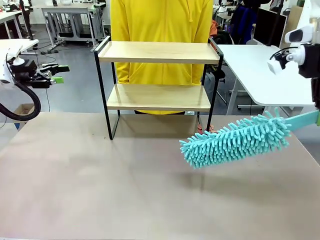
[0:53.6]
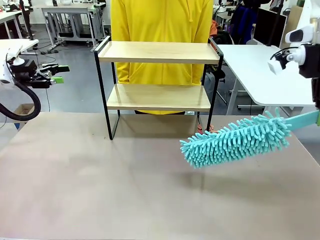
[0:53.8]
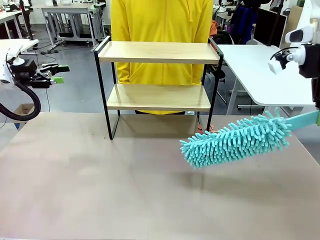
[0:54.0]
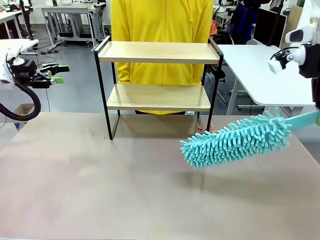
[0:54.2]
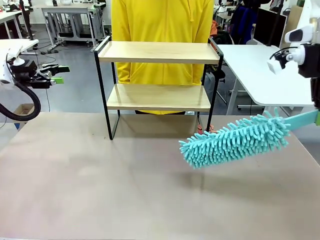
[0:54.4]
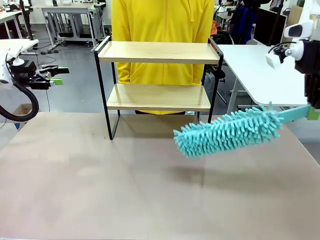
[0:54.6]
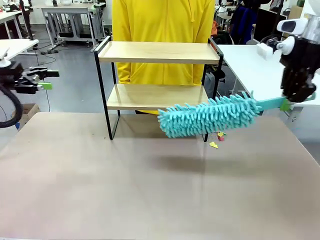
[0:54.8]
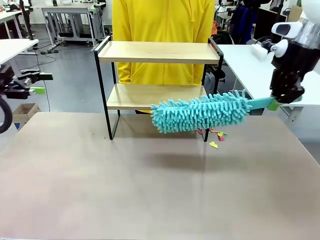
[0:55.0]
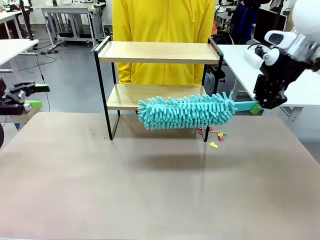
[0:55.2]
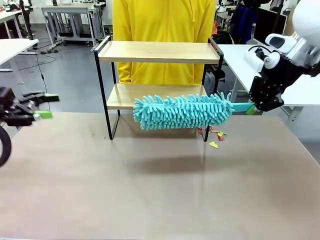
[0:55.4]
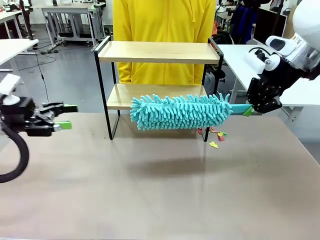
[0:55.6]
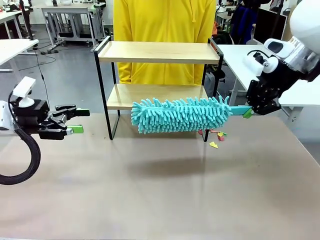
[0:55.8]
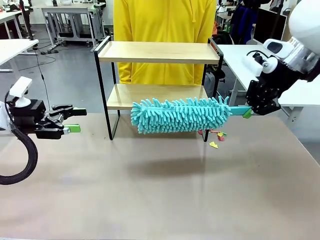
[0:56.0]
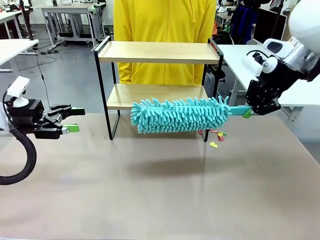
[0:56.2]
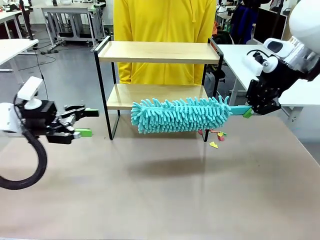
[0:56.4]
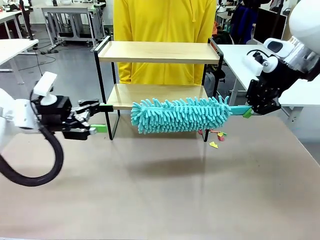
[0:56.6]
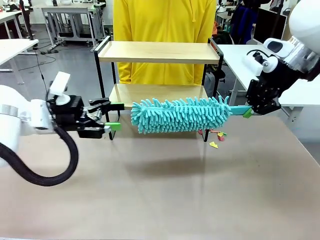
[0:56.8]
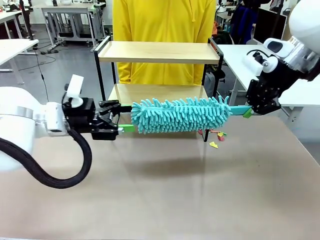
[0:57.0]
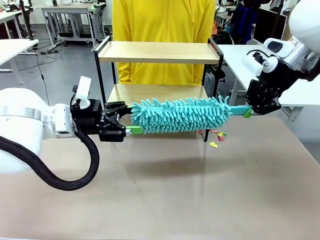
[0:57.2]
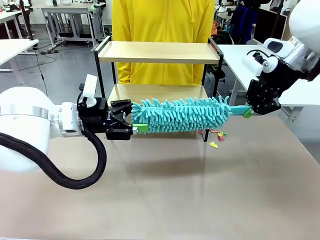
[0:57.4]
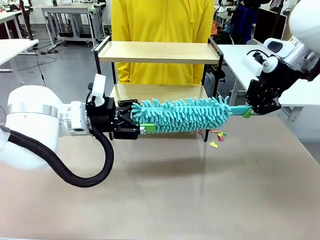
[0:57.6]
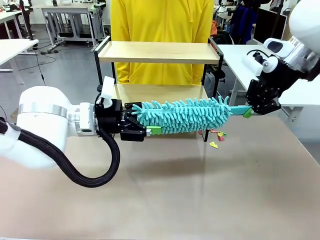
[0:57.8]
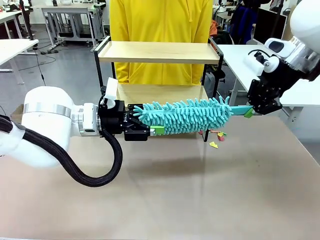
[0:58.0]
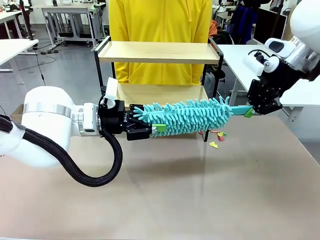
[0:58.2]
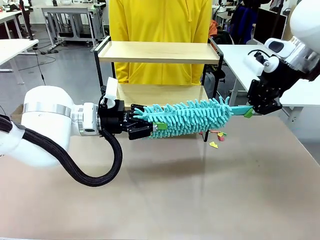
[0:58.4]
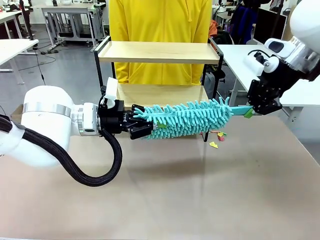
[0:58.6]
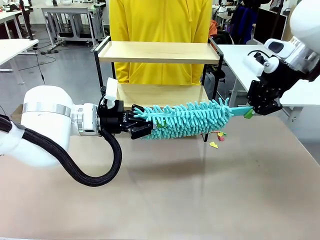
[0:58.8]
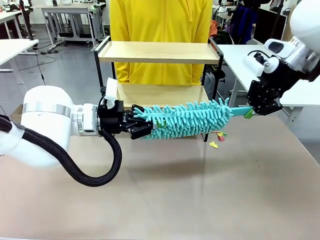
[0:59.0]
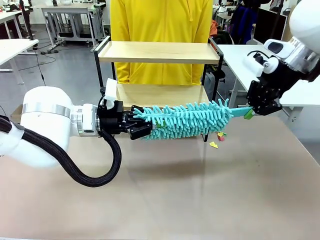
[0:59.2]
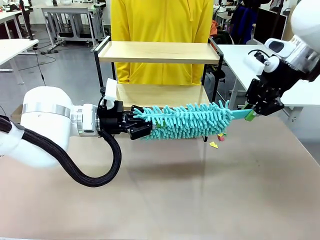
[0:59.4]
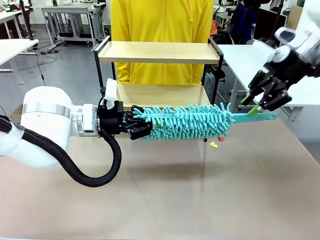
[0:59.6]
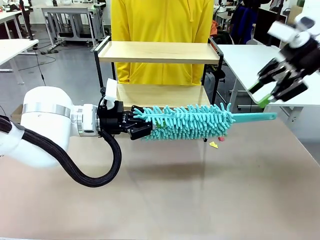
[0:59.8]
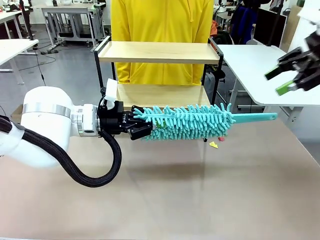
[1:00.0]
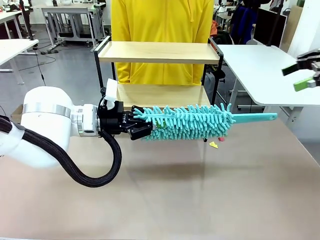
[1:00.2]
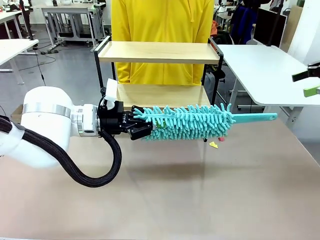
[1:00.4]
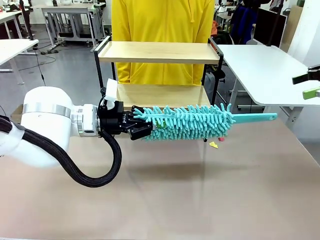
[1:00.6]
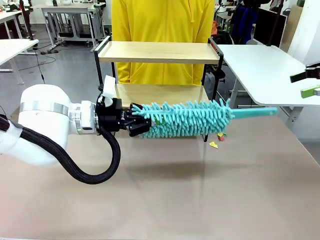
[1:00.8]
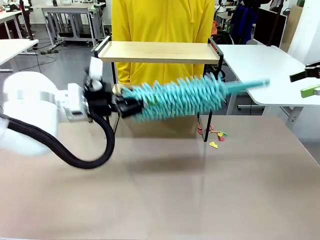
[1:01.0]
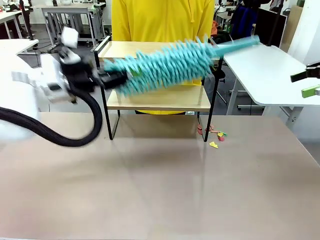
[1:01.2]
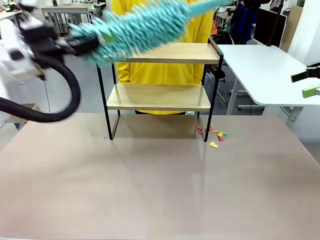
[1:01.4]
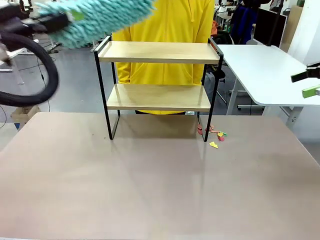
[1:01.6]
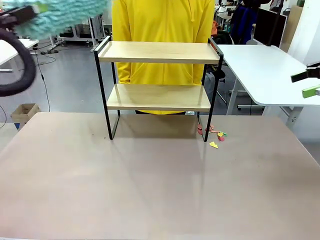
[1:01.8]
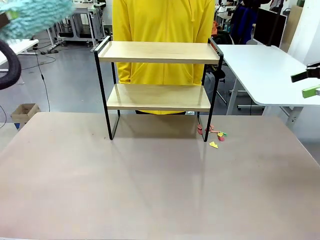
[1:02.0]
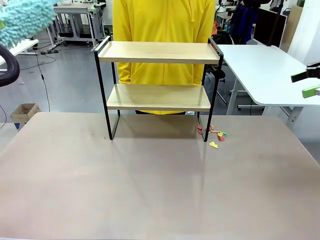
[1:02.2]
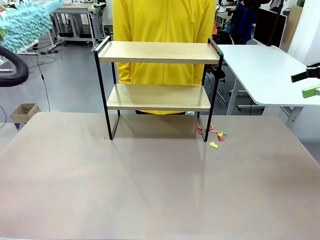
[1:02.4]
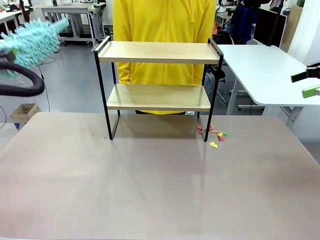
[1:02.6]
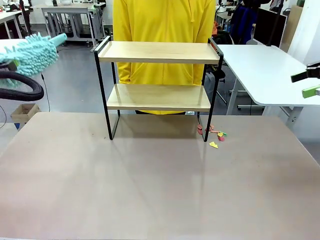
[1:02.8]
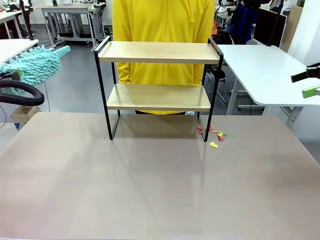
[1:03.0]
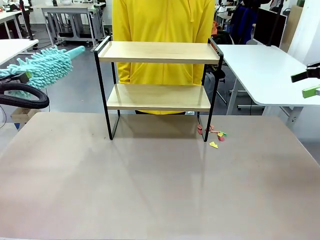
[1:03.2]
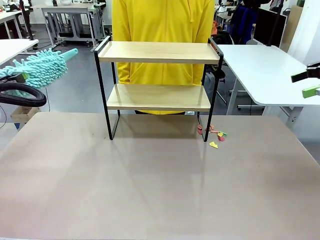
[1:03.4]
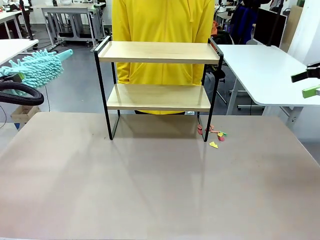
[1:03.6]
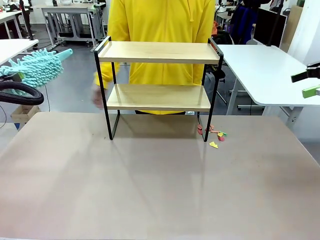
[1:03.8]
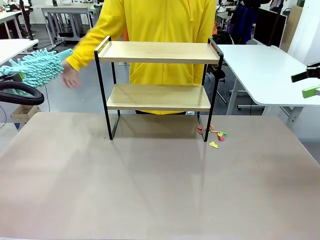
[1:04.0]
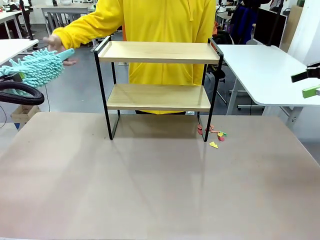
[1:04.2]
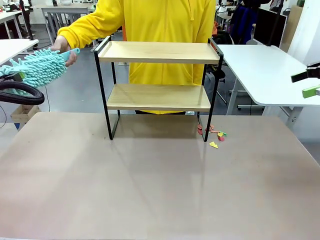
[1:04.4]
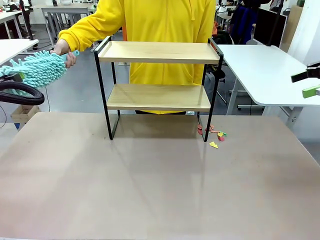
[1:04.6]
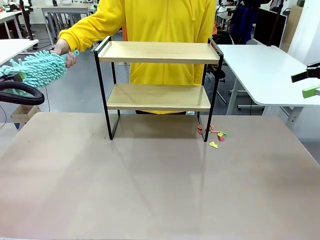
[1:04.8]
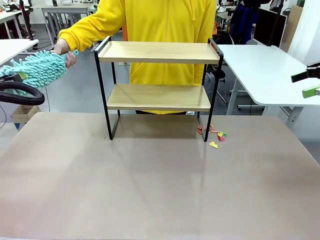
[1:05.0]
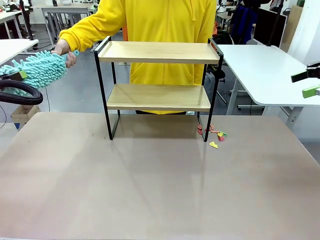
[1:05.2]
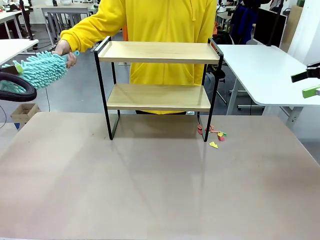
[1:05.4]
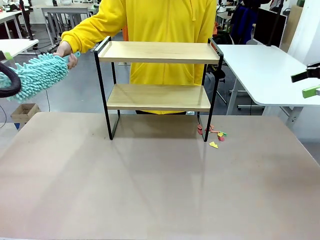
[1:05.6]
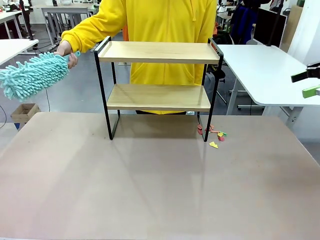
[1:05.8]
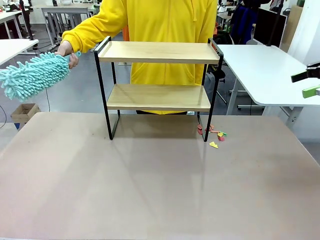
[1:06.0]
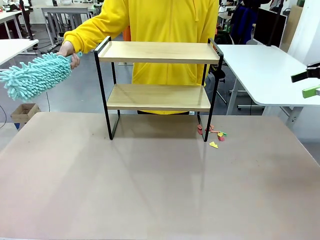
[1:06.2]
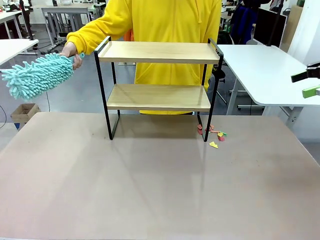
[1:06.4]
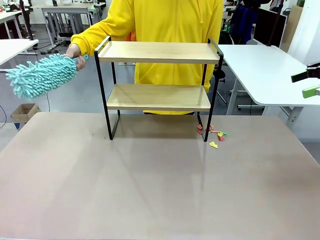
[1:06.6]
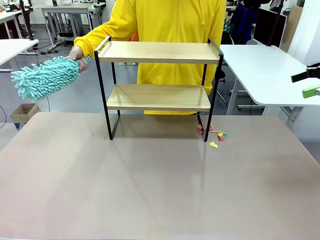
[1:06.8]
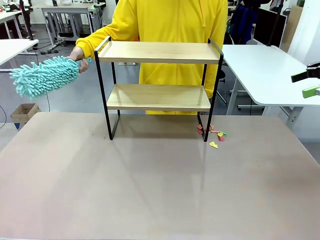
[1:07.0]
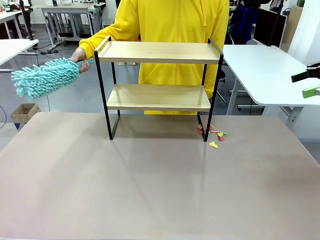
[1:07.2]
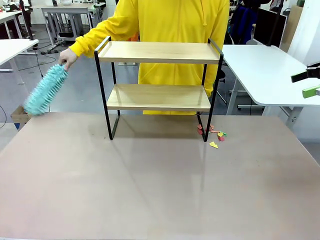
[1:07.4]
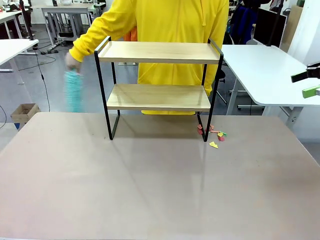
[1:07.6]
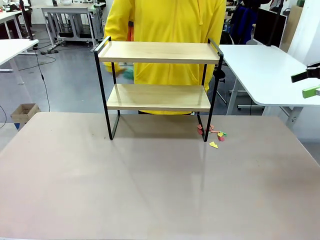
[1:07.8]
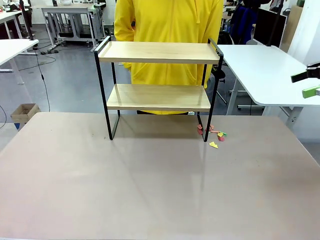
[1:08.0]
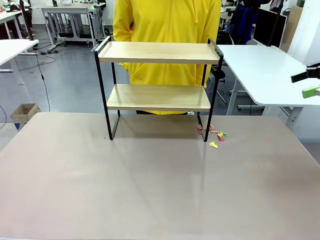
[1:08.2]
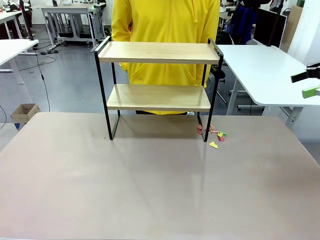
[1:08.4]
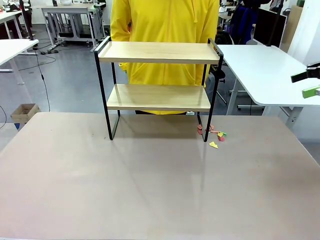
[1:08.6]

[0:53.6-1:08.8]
Task: Clean the shelf.
Robot: Hand the Duster back to the human.
Person: Receive the Duster from the robot.
